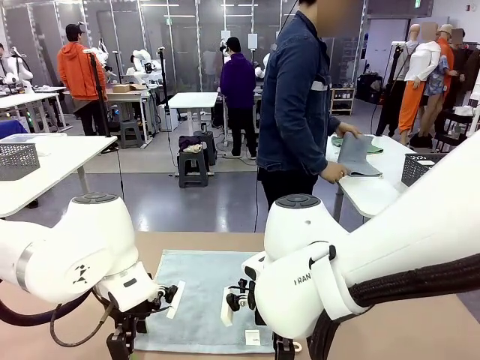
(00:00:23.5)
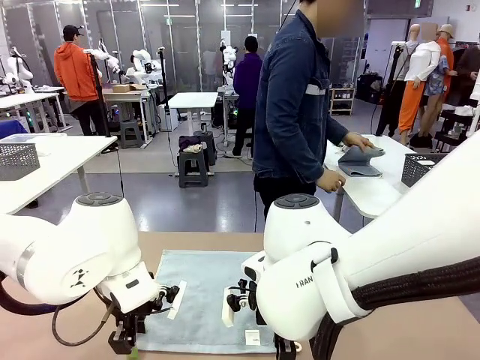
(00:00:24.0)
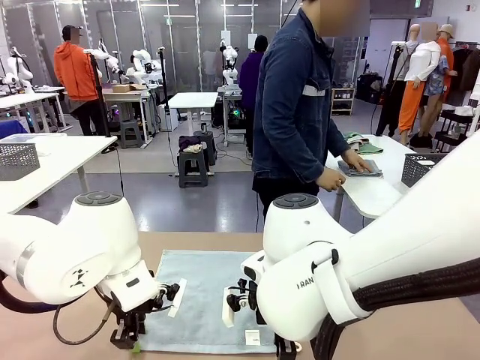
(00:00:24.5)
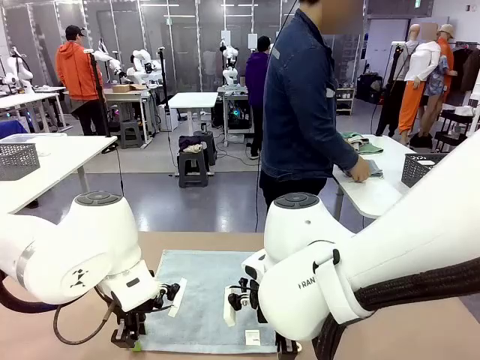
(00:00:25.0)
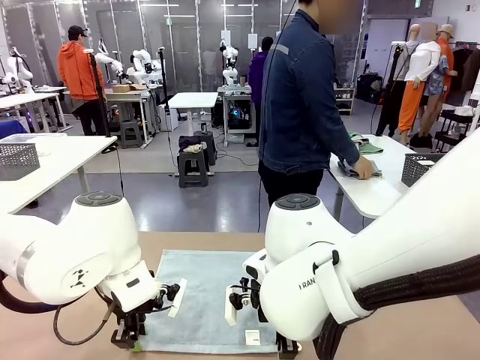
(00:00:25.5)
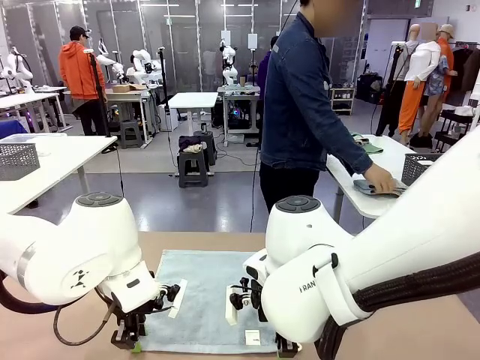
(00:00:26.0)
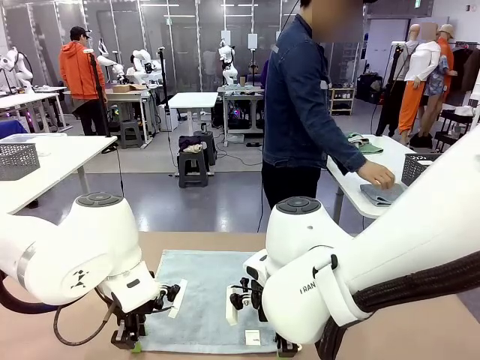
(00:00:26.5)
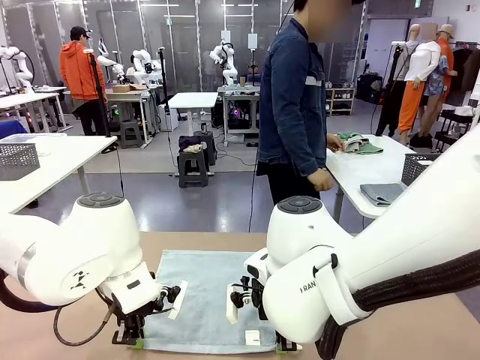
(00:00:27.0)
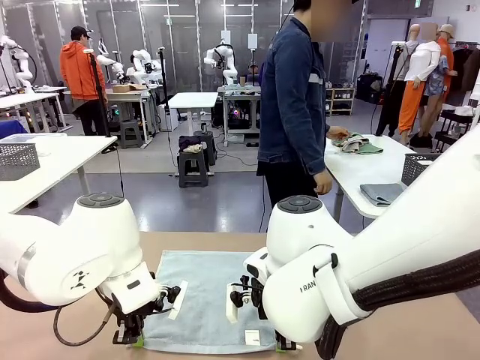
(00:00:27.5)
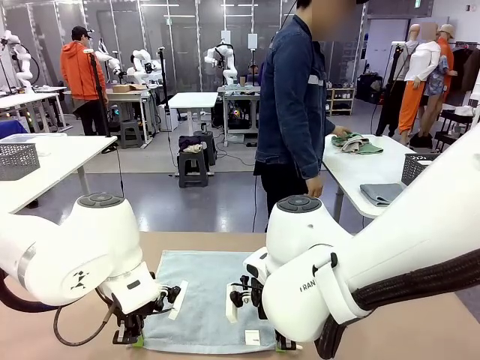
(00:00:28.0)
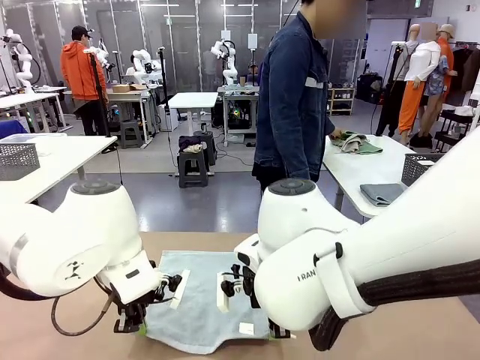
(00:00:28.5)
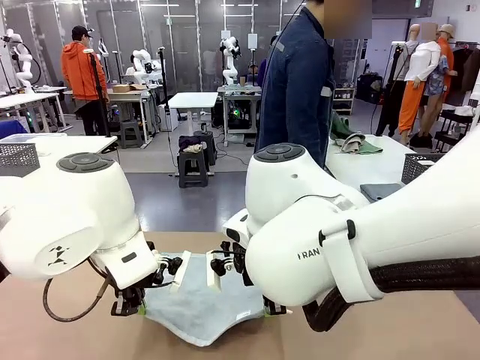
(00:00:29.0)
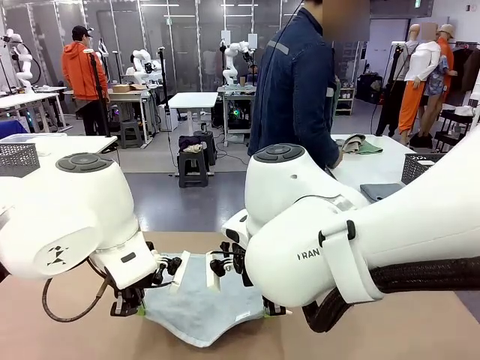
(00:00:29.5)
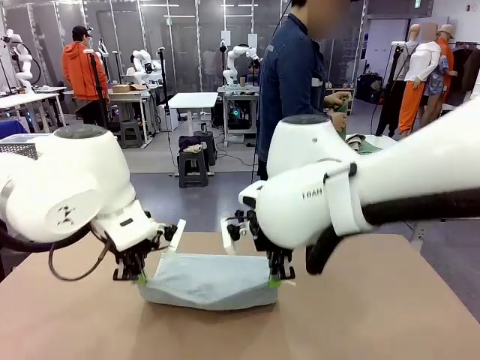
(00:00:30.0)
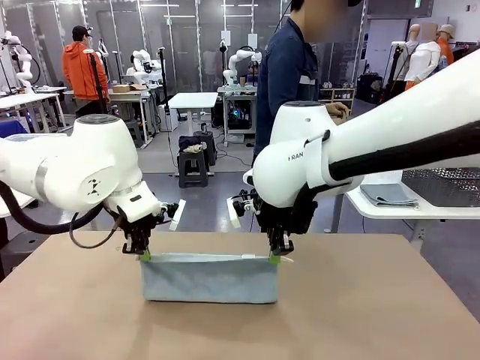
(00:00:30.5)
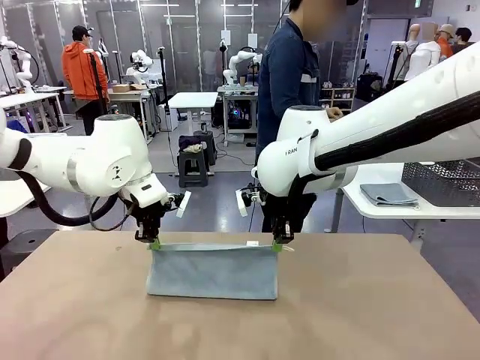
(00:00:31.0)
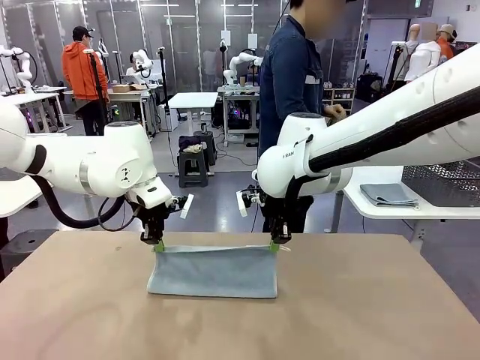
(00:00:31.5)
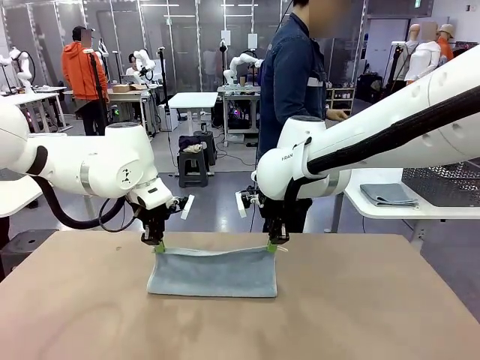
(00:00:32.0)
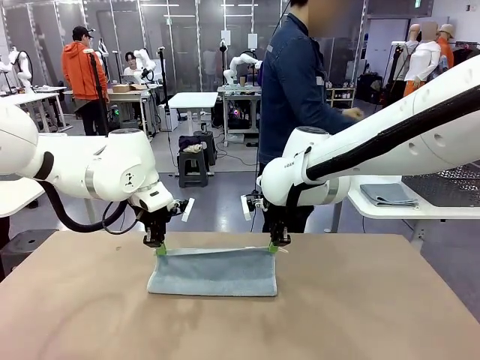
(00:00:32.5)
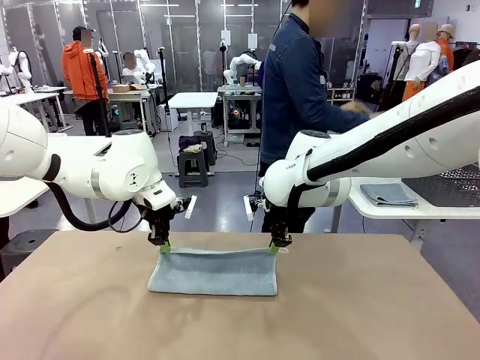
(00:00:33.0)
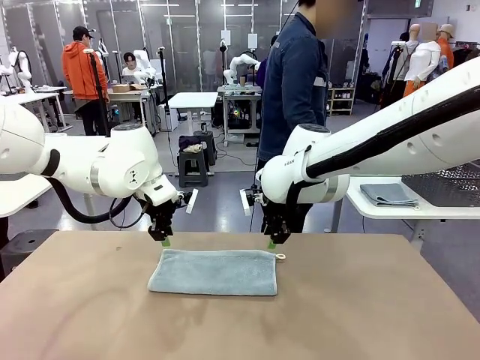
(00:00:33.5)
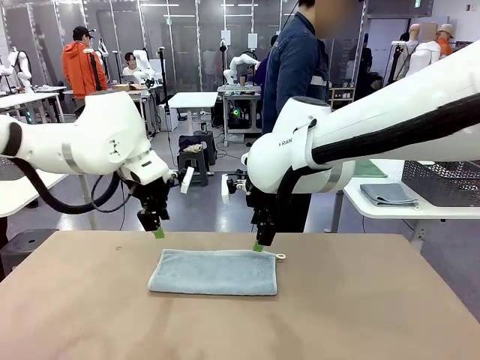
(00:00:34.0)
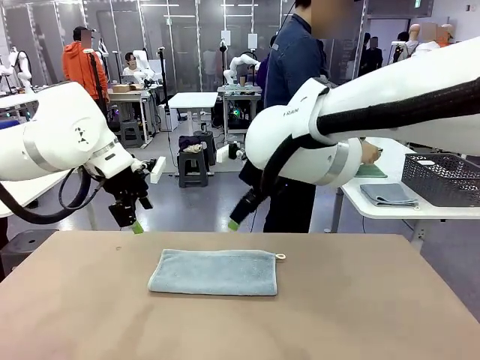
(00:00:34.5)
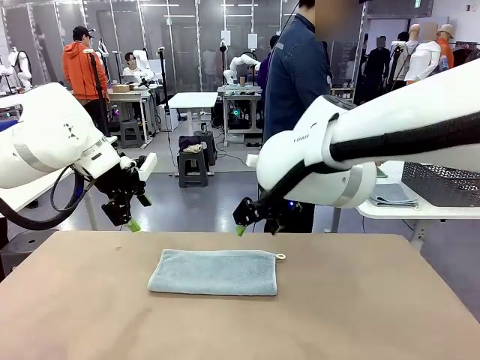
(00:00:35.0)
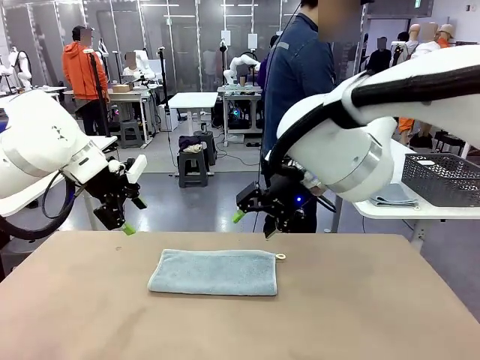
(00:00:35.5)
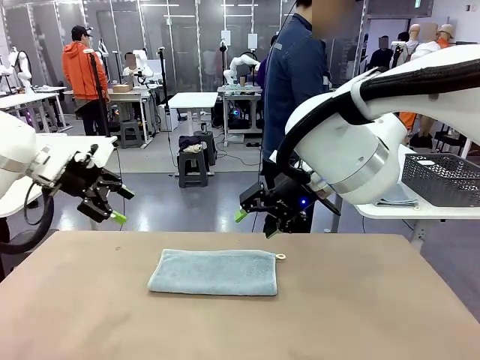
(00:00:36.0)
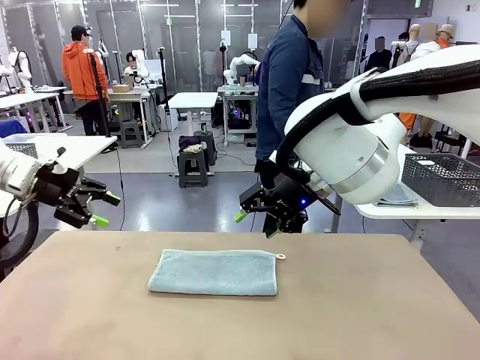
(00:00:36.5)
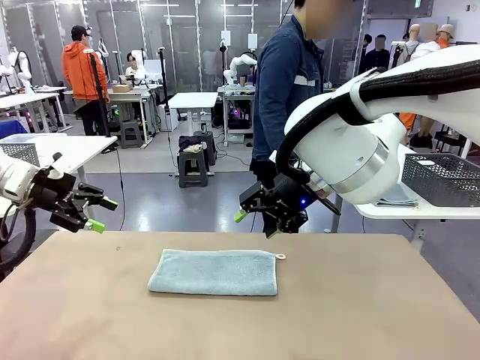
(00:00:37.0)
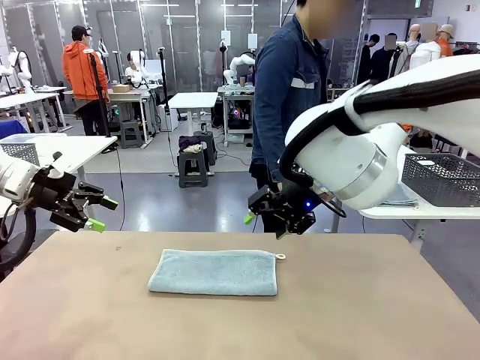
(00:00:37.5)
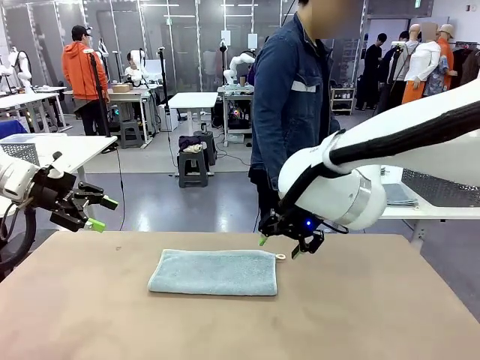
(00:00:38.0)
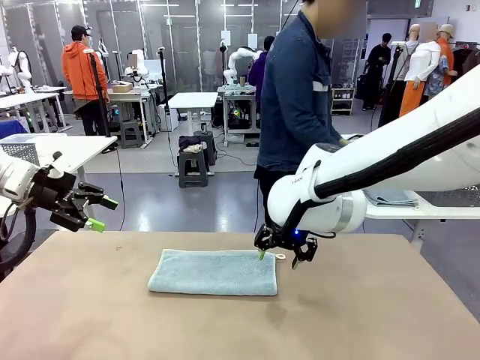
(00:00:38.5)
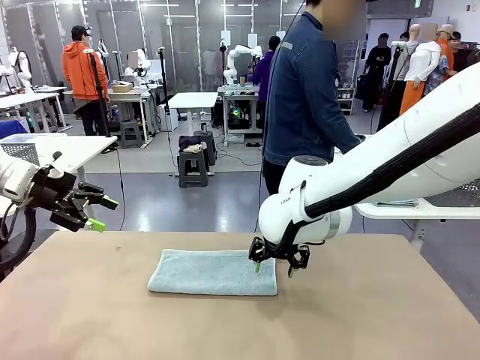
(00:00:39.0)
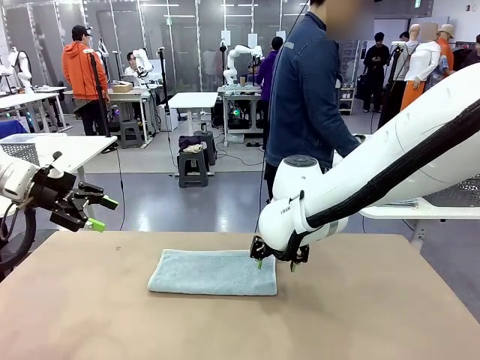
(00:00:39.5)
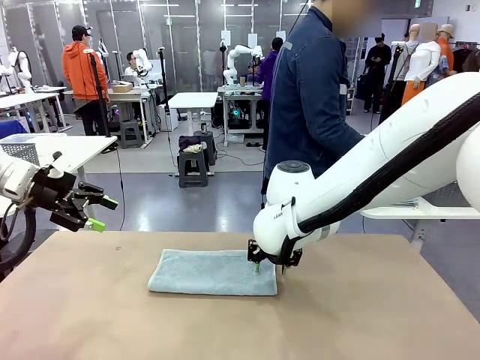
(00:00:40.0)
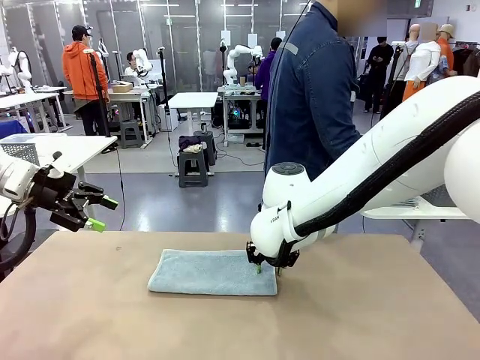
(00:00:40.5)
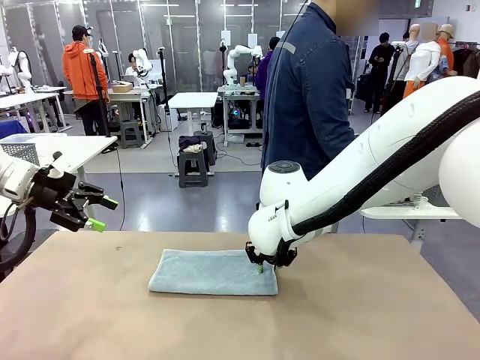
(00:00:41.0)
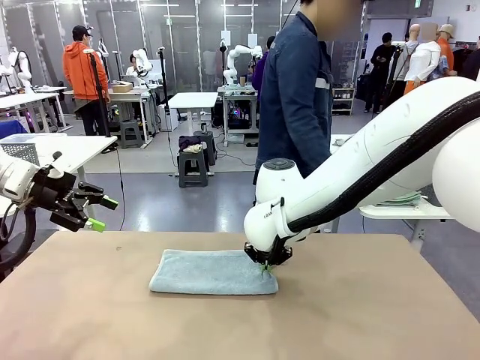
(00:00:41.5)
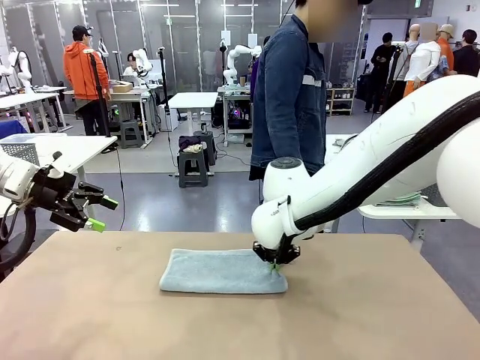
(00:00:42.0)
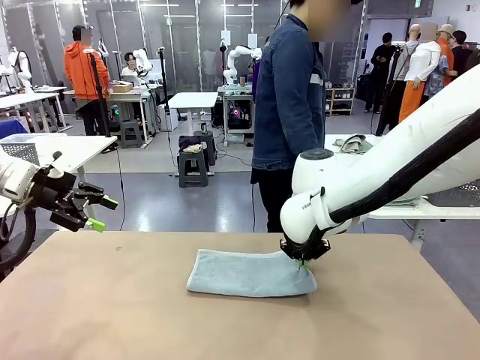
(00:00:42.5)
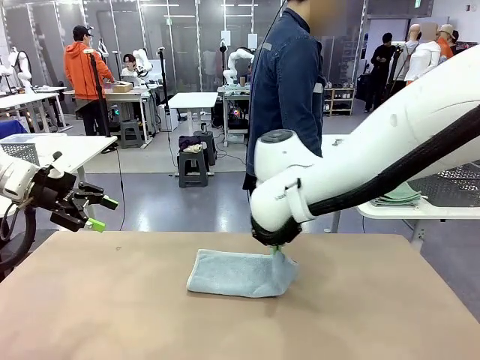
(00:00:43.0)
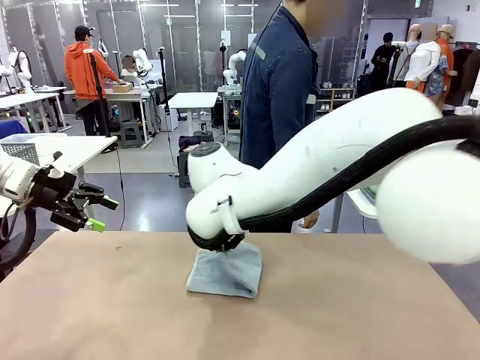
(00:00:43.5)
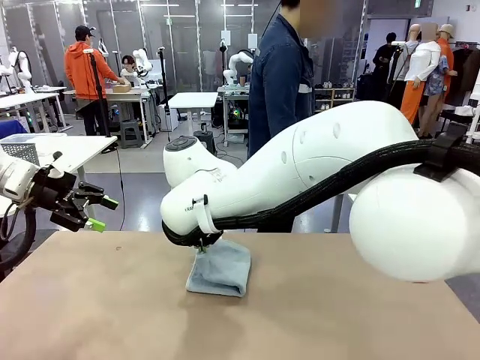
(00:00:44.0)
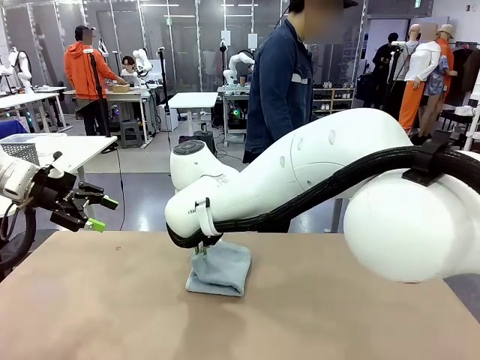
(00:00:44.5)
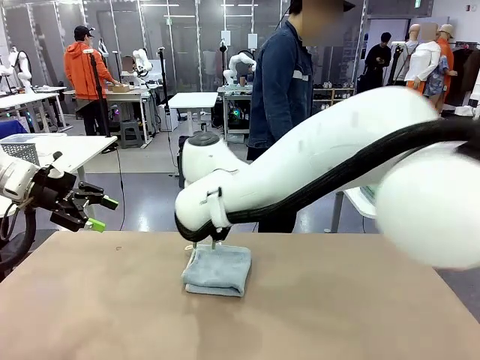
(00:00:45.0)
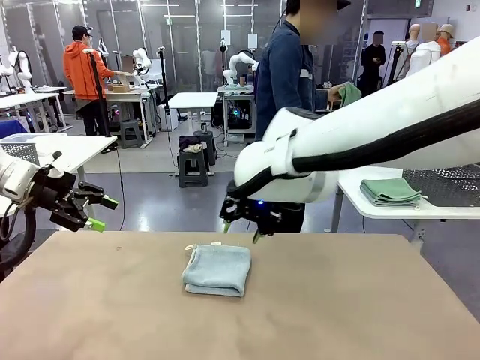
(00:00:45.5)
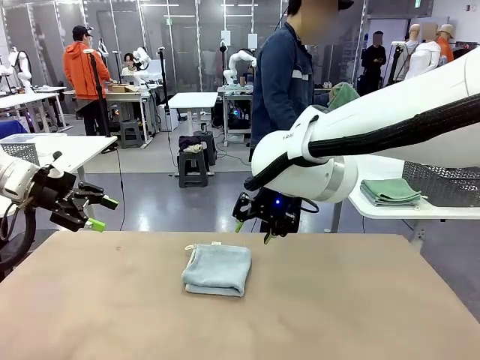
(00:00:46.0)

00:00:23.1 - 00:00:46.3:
Task: Fold the towels and place them in the basket.
Robot: When a person lays out a Towel with hook on the table, fold it in half twice.
Person: Pick up one towel from the left side of the human table, fold it in half twice, and stack it on the right side of the table.
